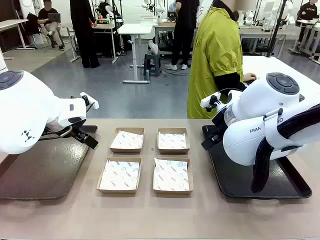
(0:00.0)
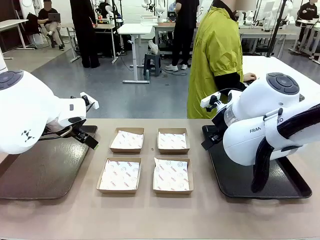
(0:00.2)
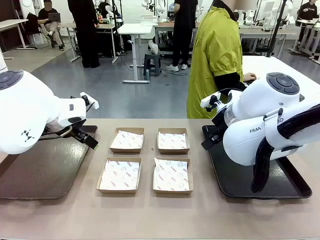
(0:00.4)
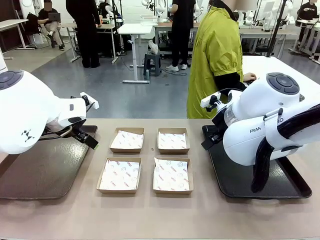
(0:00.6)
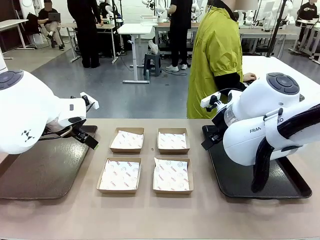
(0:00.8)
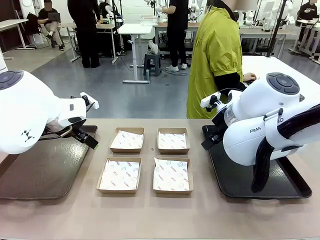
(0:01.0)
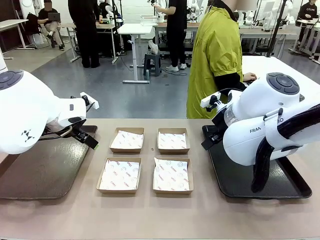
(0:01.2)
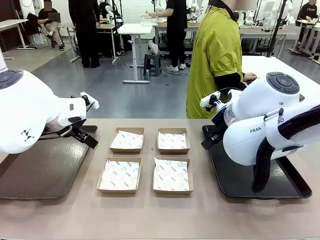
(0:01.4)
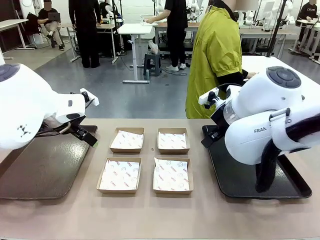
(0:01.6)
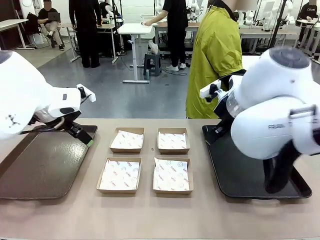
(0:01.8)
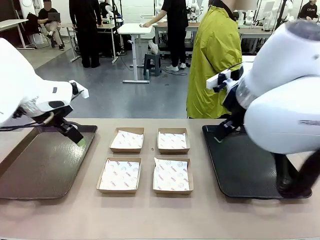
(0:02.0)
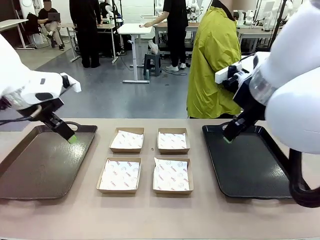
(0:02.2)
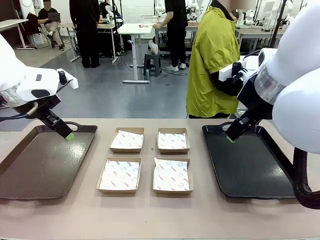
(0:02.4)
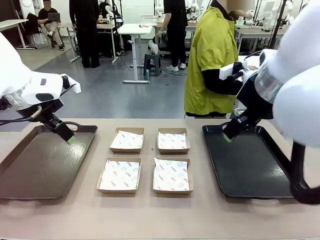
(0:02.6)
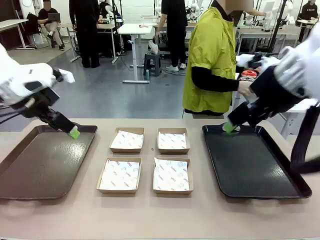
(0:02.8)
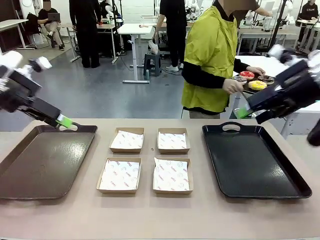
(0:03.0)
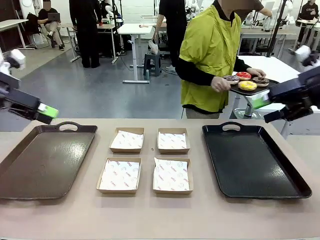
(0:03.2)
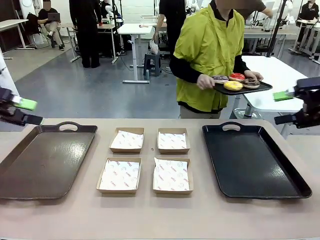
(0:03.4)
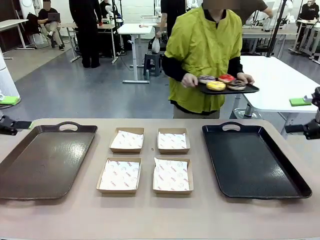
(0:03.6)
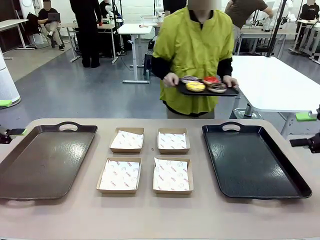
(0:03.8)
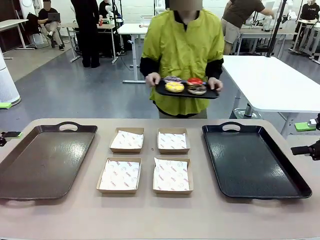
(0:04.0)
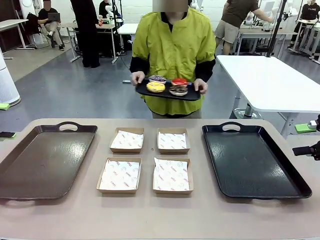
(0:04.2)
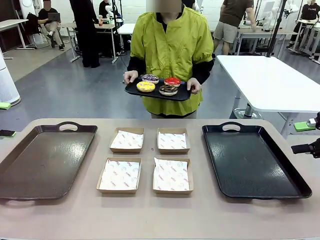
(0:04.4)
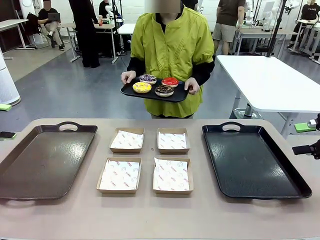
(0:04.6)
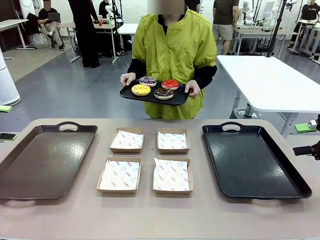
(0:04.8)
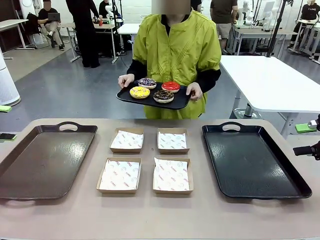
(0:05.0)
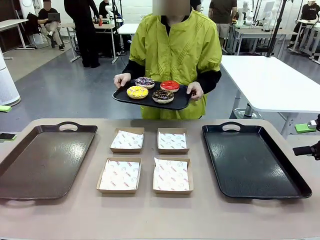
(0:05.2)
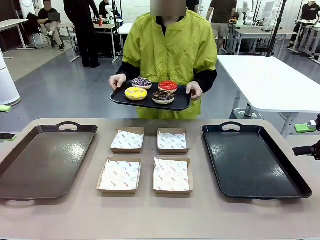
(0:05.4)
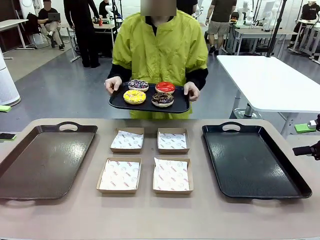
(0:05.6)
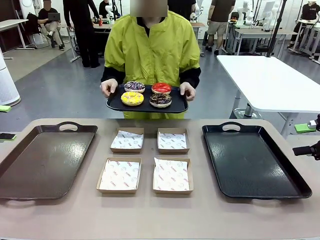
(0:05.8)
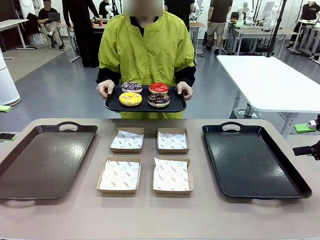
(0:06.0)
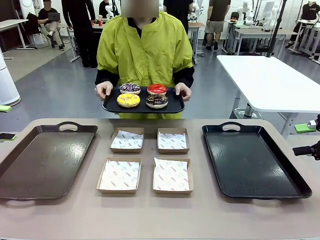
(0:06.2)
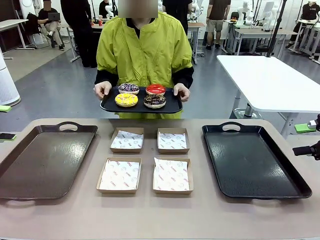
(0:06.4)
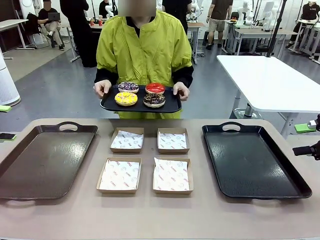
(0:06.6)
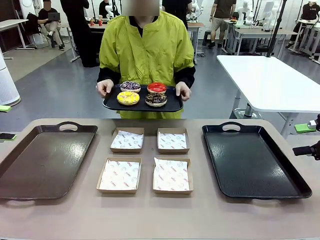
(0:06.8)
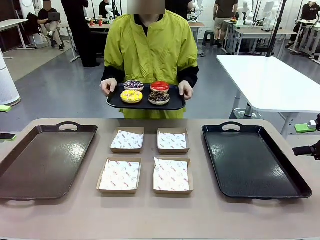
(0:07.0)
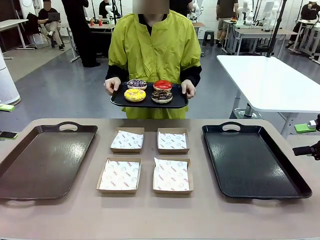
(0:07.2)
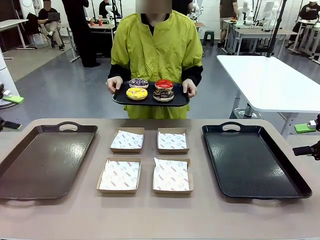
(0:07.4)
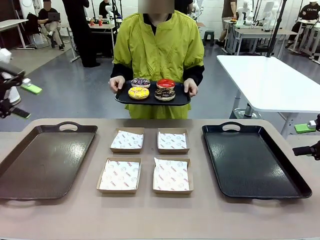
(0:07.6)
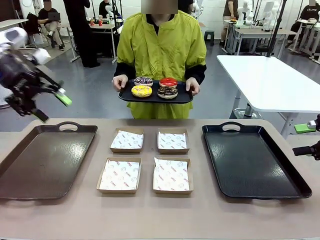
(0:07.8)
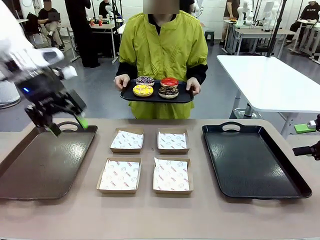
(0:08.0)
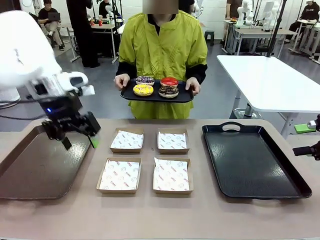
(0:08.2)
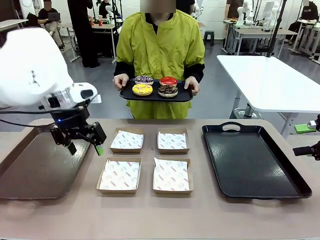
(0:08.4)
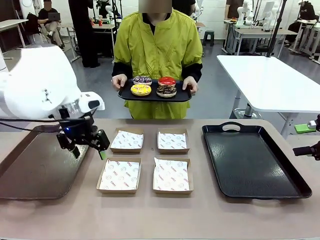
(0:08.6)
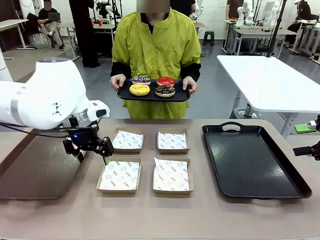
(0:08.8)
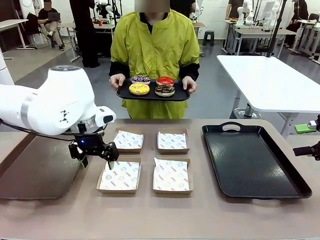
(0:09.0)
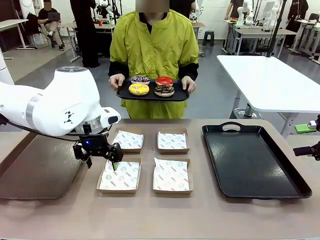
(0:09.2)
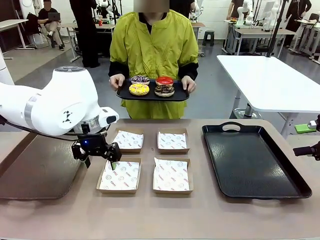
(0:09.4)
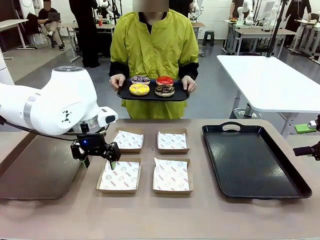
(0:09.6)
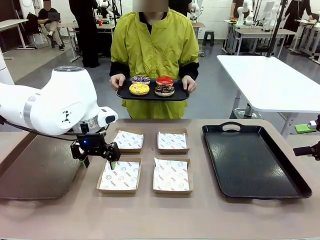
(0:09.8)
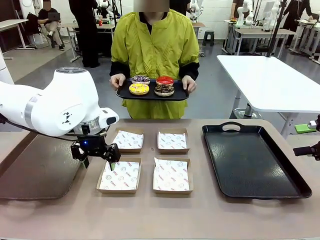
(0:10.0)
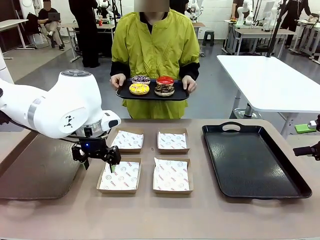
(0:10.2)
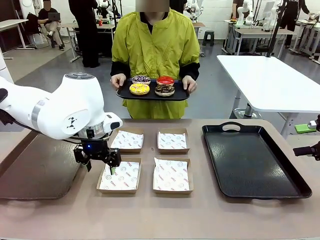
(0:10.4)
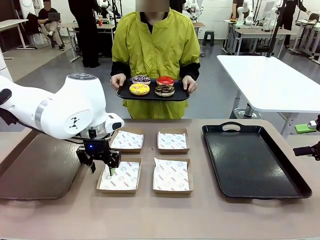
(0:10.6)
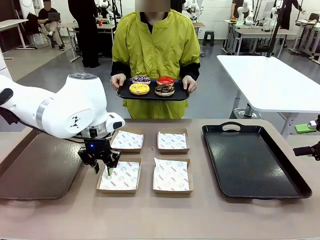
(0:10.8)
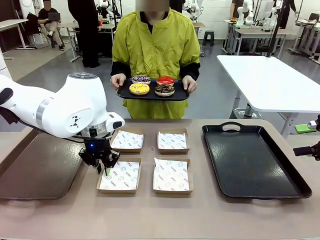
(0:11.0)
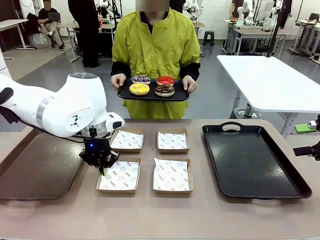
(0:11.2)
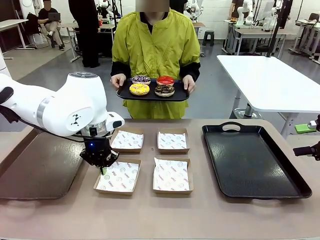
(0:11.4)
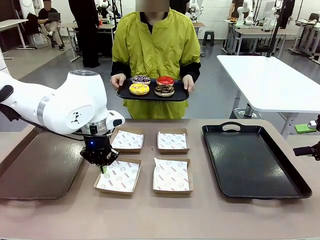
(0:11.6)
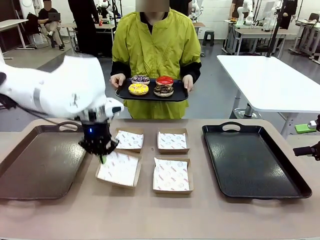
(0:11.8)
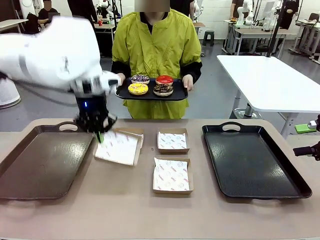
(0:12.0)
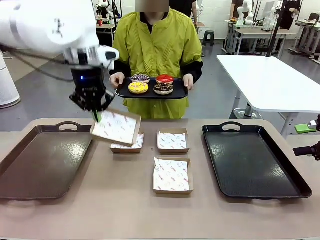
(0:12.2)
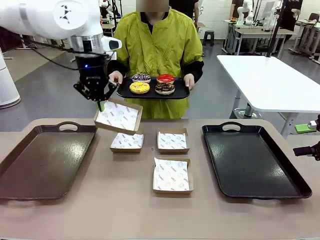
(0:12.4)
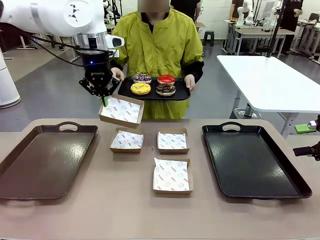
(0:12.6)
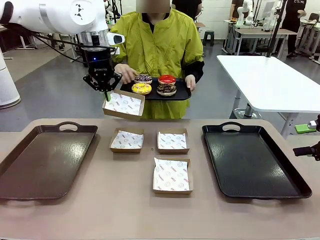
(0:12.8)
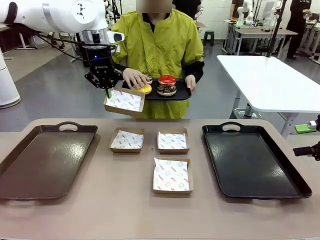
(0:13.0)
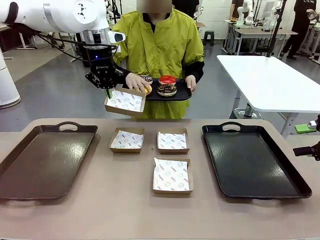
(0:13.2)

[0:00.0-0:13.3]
Task: Individually package the donuts and arrange them on the tray.
Robot: Pick up one Paper togo box.
Person: Stand in front of the robot table holding the tray containing the donuts.

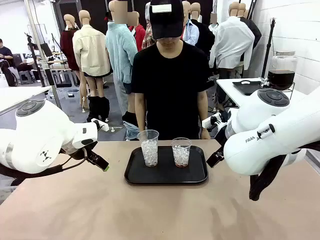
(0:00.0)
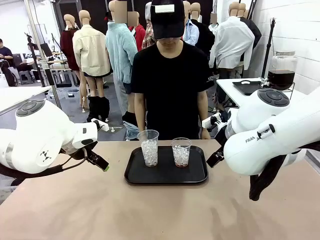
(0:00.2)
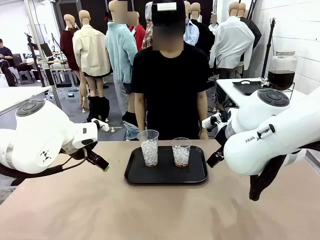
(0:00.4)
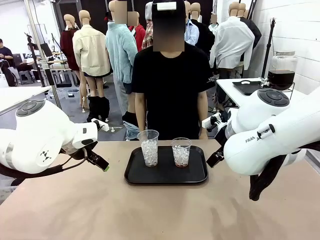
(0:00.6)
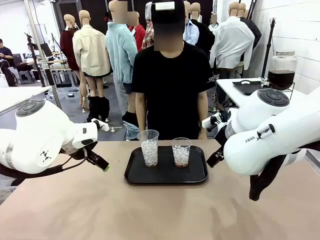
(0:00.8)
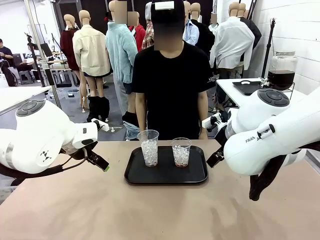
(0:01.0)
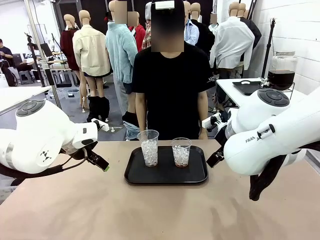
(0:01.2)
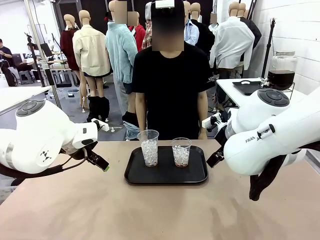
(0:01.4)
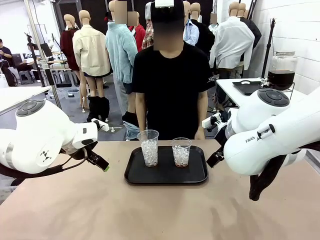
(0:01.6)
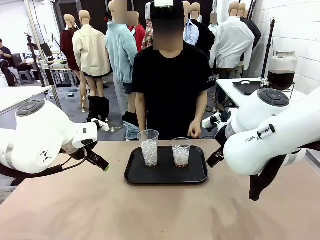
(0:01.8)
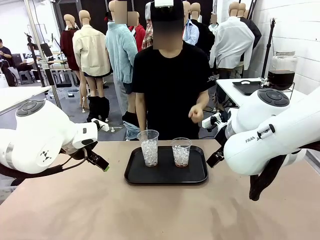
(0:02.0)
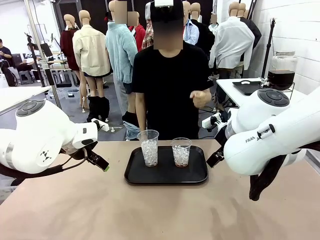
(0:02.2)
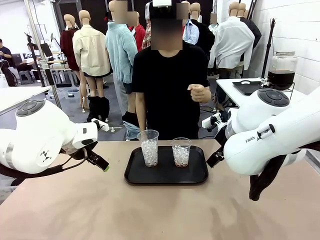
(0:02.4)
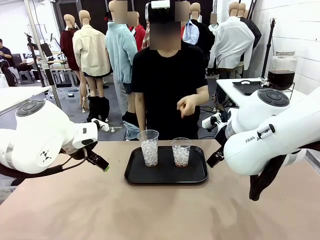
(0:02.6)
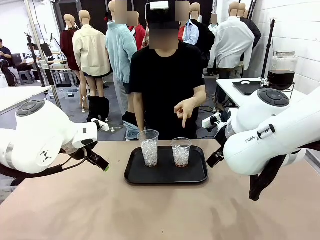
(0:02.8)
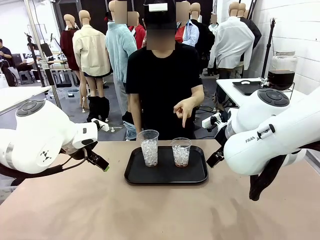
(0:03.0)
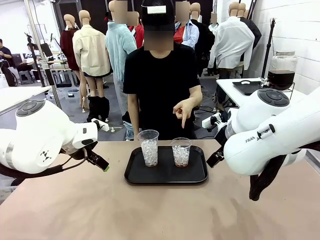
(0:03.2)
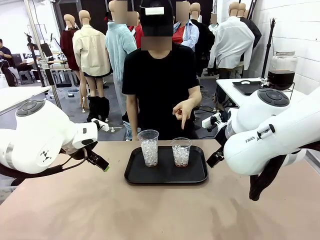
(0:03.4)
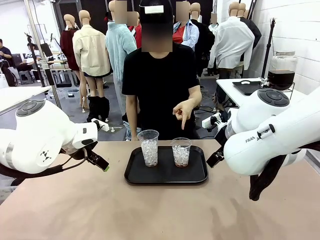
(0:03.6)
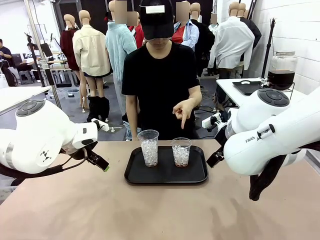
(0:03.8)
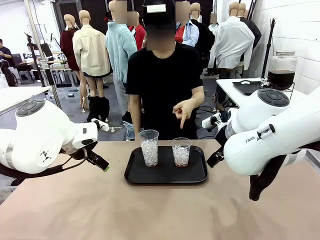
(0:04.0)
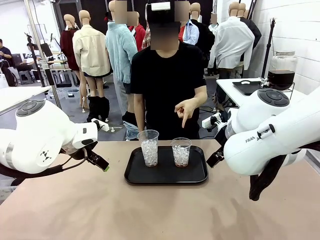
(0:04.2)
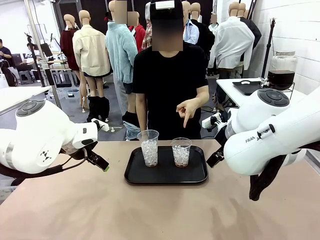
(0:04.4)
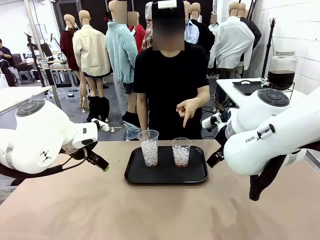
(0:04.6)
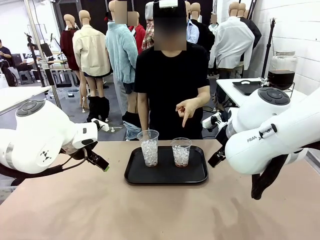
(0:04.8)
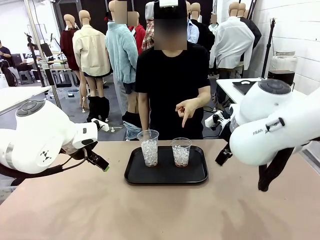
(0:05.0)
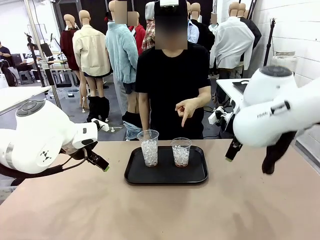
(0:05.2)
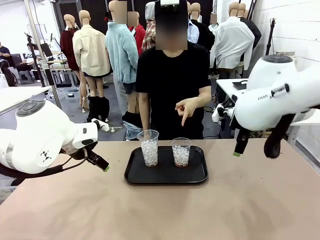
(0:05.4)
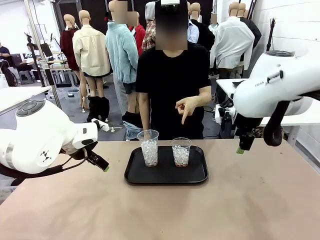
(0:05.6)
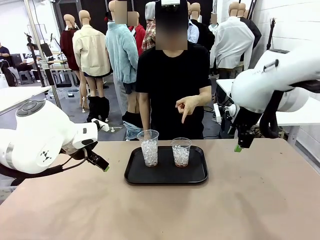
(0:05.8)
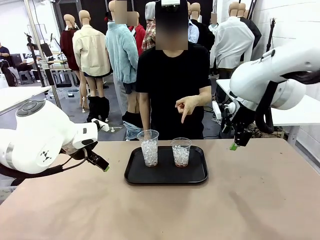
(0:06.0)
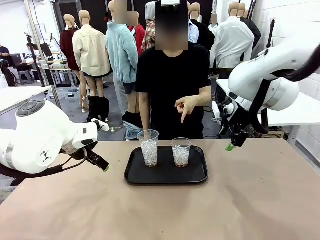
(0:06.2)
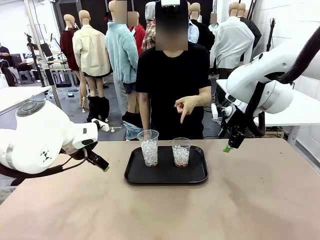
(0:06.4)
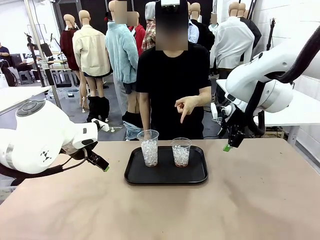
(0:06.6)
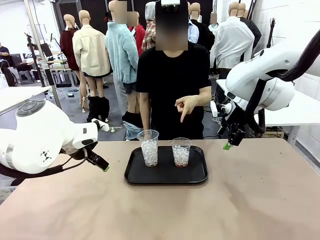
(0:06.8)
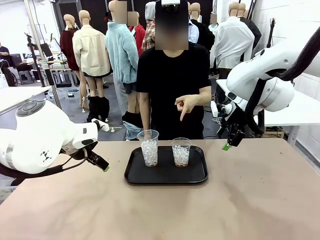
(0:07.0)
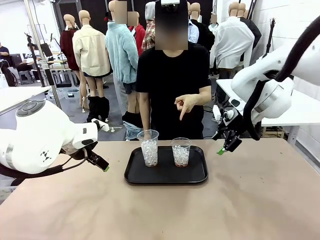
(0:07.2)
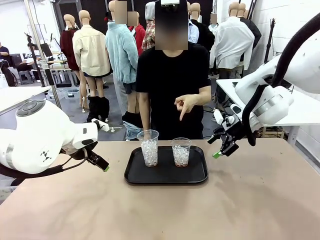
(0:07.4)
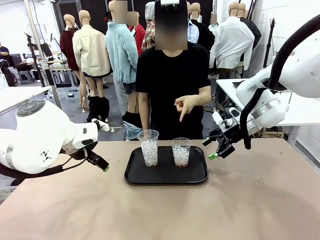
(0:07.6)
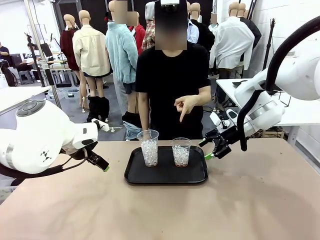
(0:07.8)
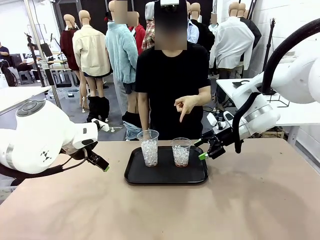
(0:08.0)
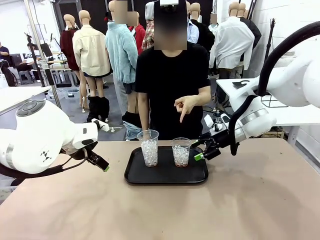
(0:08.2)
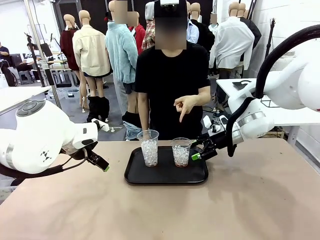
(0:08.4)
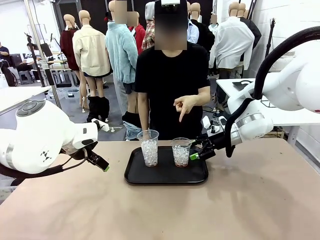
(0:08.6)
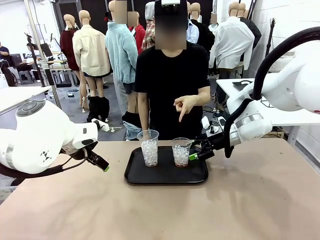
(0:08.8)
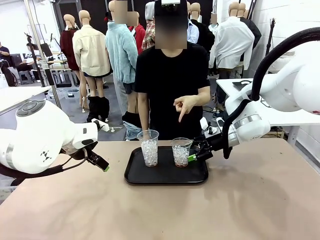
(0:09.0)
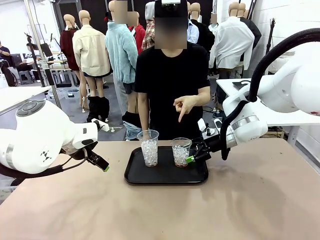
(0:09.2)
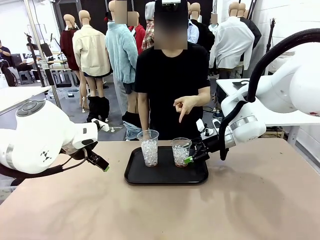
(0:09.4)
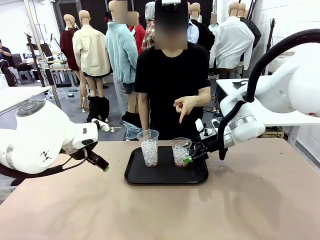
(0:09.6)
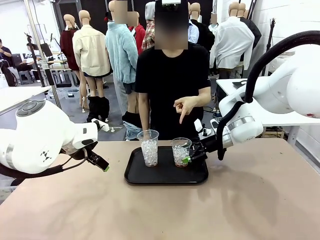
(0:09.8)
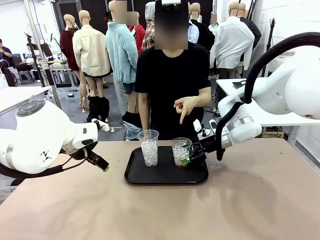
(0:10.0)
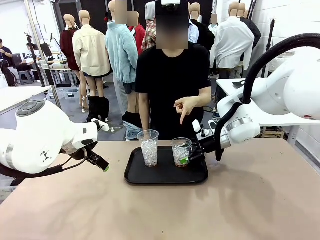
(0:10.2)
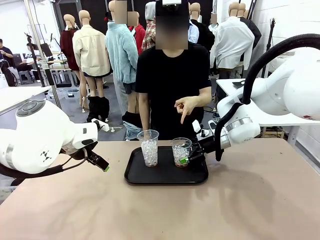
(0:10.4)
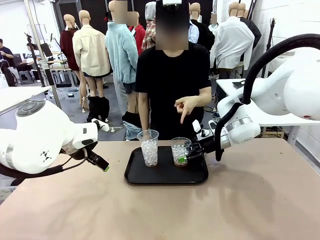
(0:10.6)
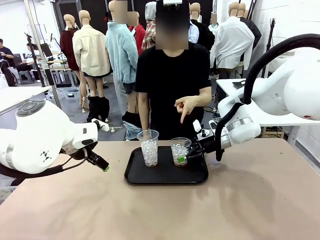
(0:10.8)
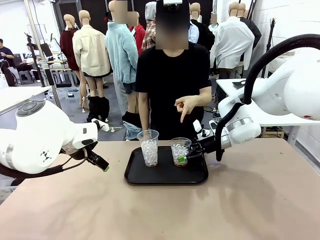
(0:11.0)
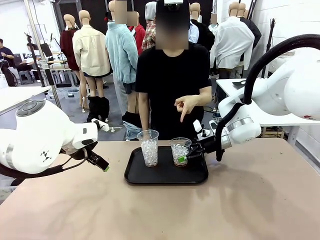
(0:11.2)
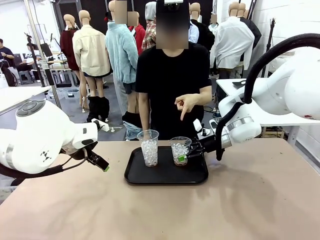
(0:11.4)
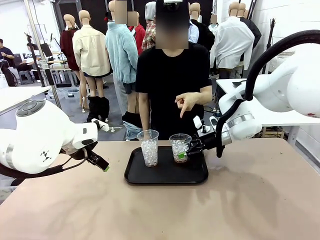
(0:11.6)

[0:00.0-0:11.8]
Task: Pour the drink into the iced cup.
Robot: Pick up the iced cup indicated by the human and present it to them.
Person: Point to one of the two ice cups. Pick up the cup offered by the robot.
